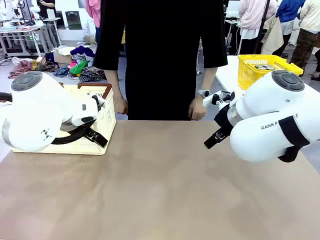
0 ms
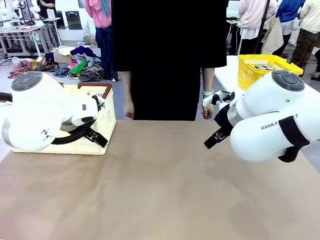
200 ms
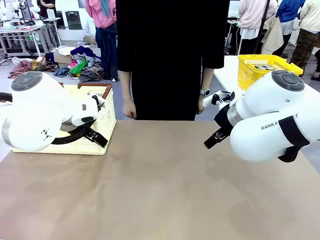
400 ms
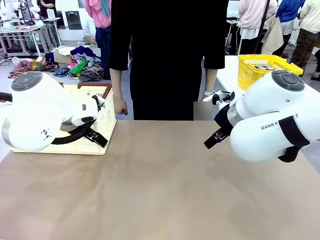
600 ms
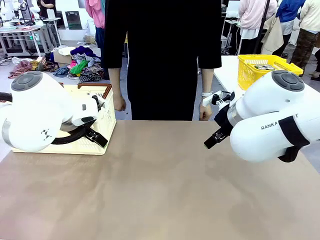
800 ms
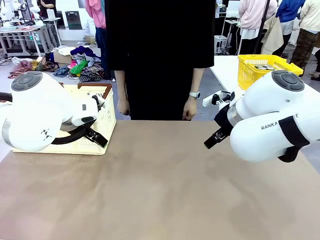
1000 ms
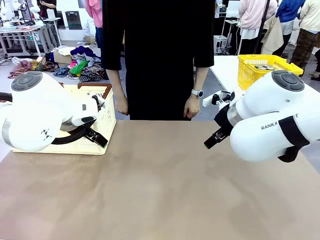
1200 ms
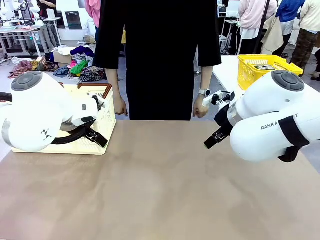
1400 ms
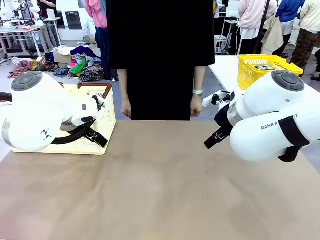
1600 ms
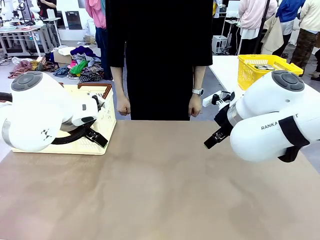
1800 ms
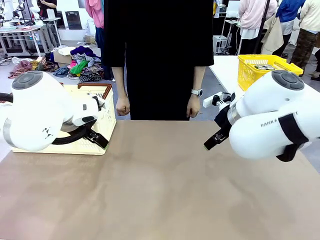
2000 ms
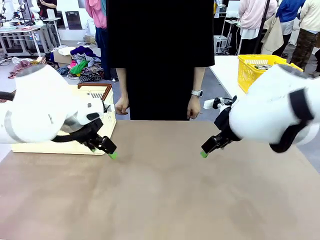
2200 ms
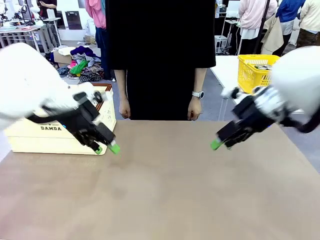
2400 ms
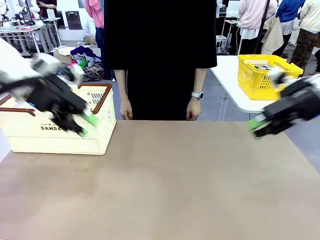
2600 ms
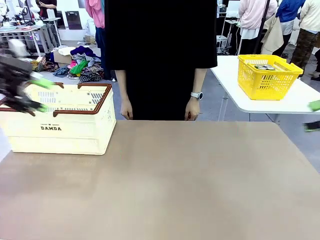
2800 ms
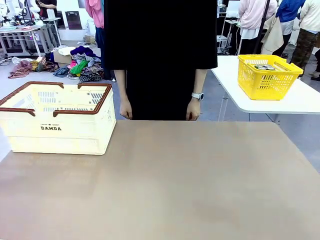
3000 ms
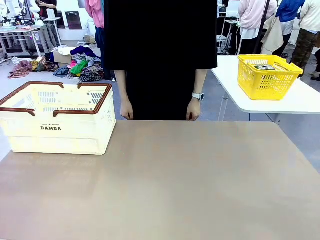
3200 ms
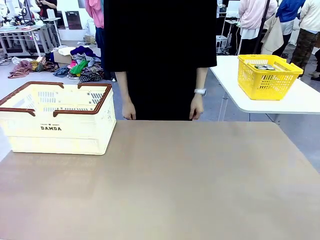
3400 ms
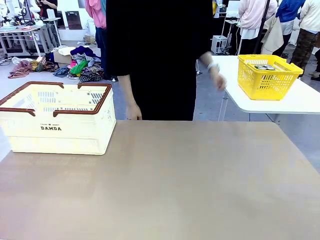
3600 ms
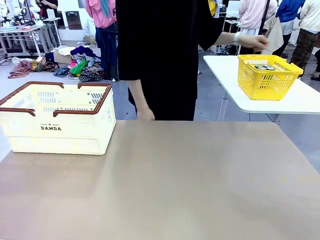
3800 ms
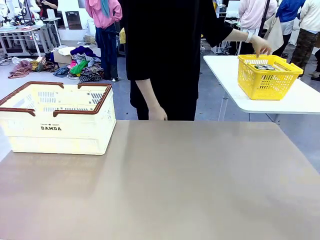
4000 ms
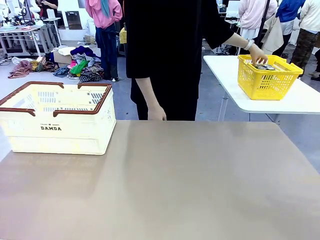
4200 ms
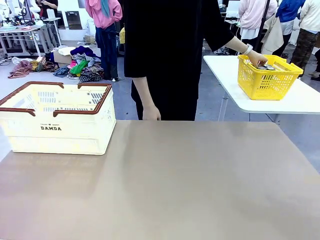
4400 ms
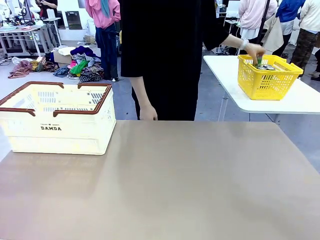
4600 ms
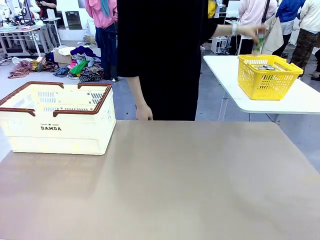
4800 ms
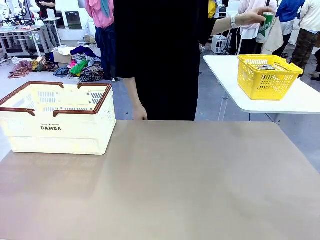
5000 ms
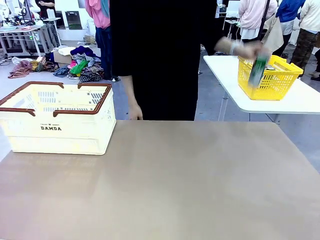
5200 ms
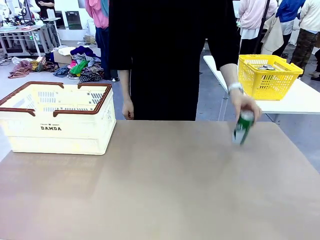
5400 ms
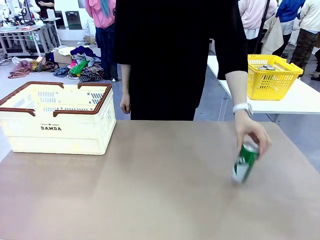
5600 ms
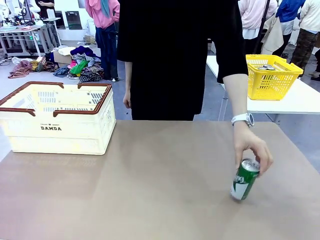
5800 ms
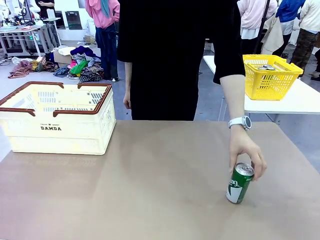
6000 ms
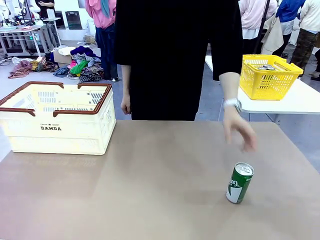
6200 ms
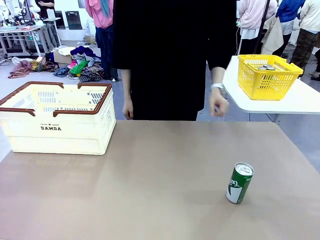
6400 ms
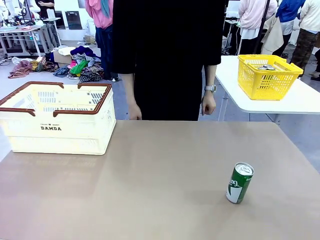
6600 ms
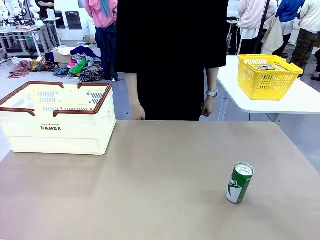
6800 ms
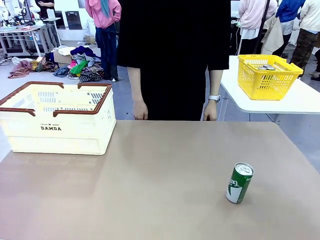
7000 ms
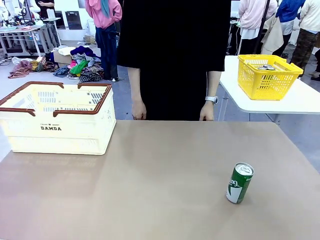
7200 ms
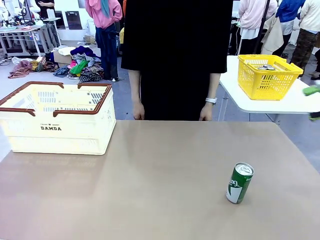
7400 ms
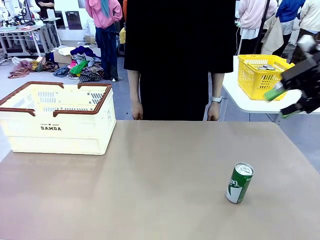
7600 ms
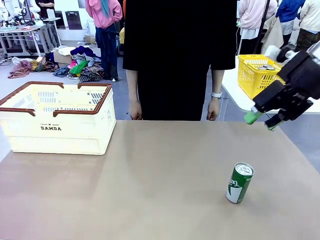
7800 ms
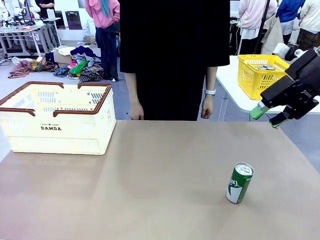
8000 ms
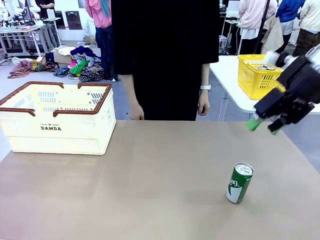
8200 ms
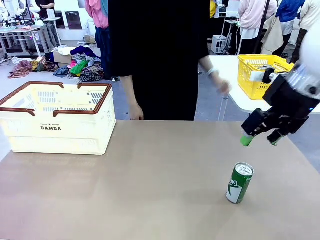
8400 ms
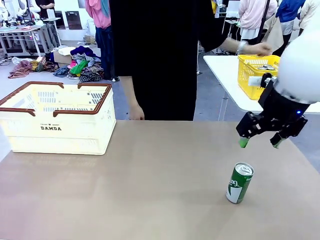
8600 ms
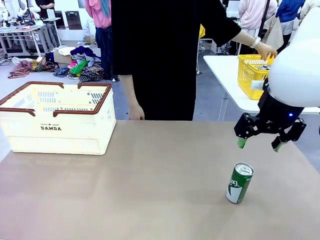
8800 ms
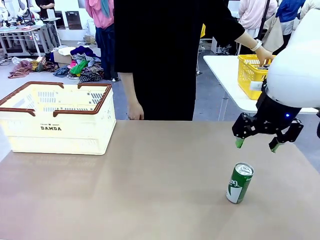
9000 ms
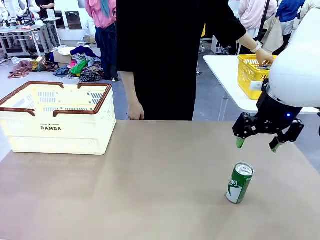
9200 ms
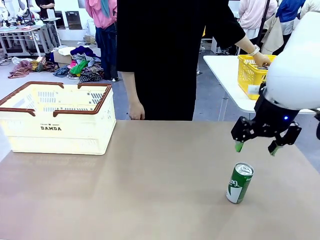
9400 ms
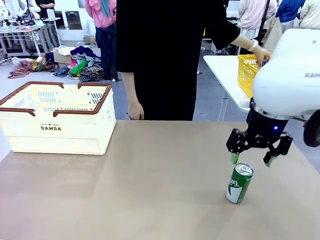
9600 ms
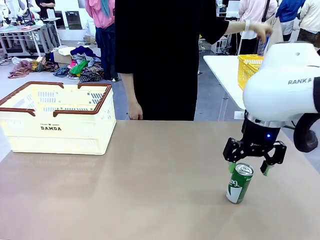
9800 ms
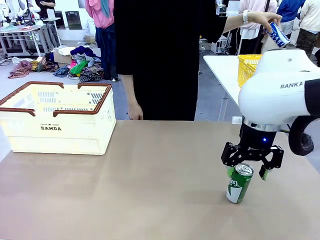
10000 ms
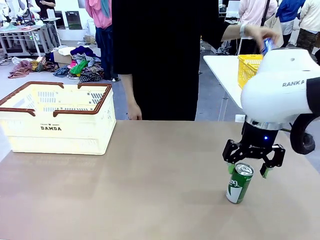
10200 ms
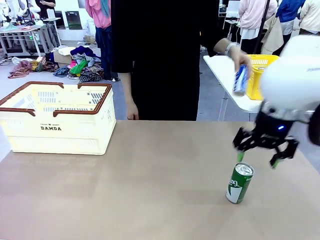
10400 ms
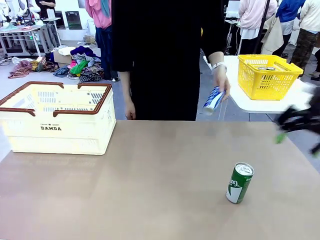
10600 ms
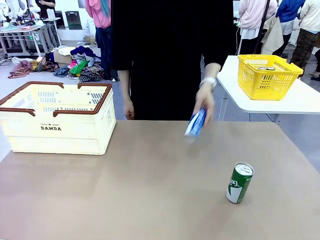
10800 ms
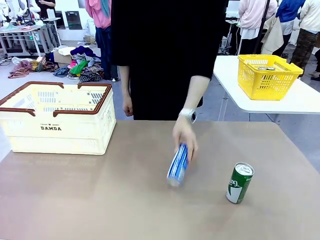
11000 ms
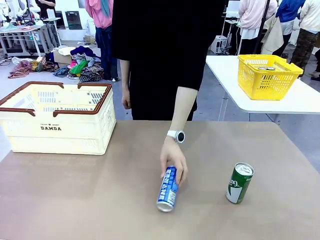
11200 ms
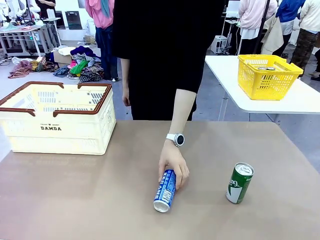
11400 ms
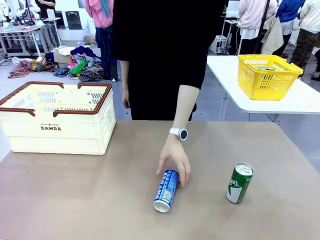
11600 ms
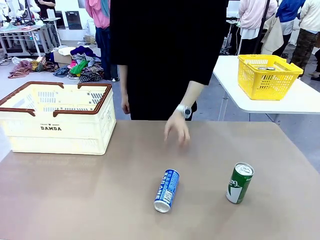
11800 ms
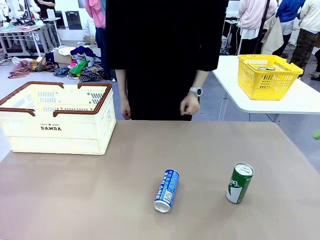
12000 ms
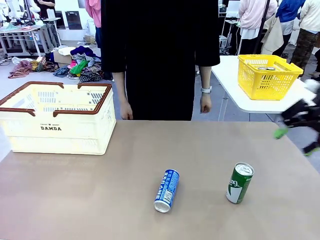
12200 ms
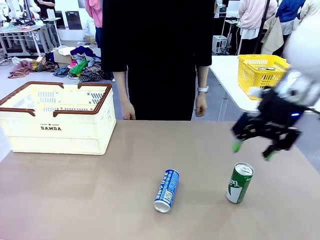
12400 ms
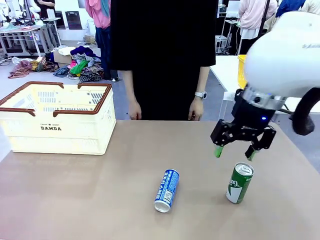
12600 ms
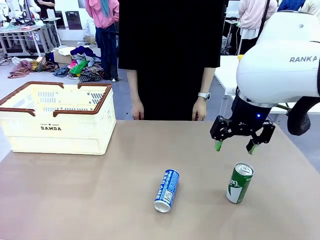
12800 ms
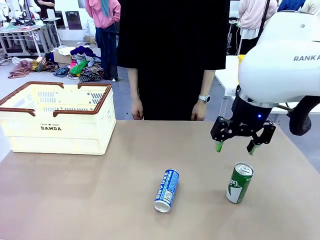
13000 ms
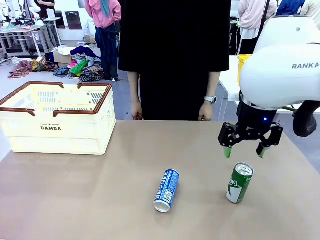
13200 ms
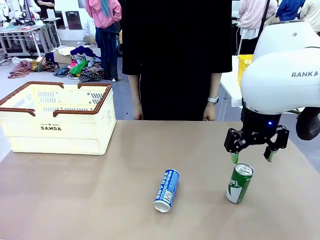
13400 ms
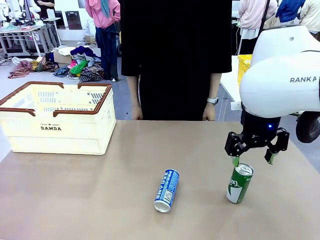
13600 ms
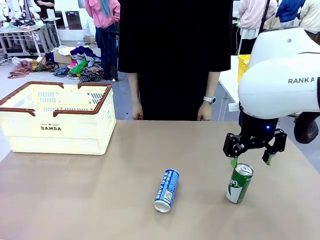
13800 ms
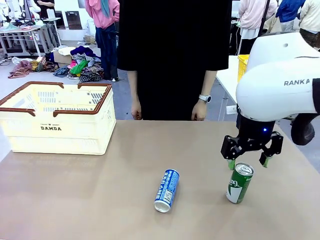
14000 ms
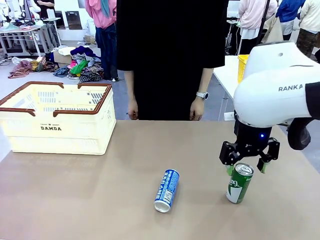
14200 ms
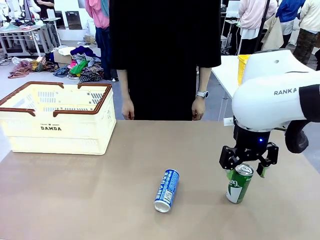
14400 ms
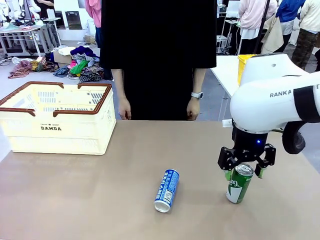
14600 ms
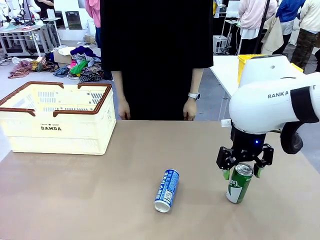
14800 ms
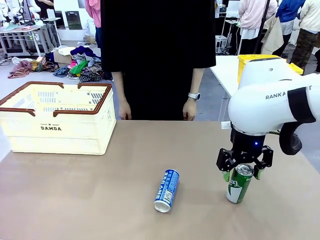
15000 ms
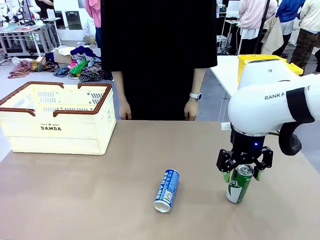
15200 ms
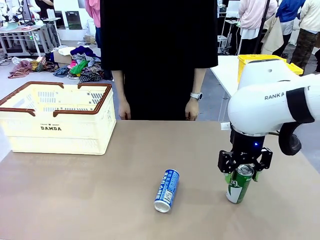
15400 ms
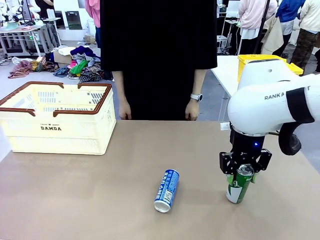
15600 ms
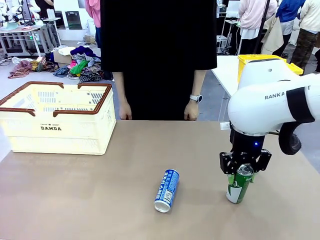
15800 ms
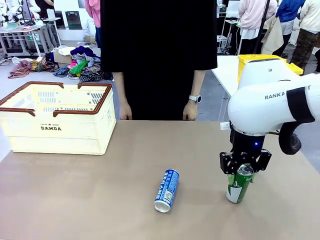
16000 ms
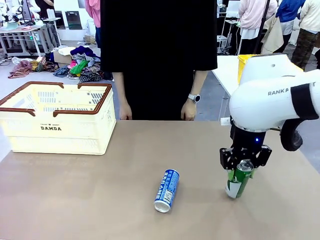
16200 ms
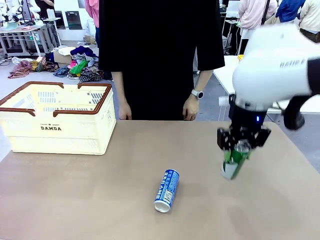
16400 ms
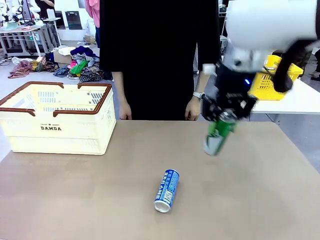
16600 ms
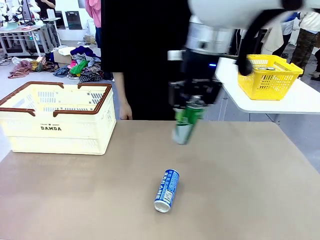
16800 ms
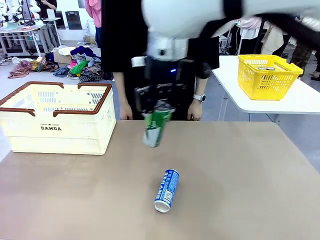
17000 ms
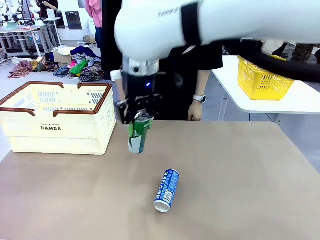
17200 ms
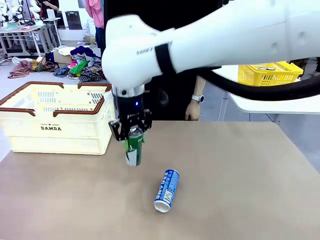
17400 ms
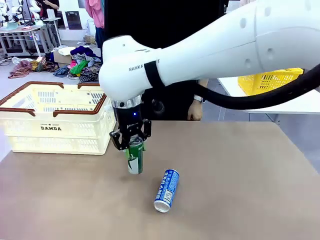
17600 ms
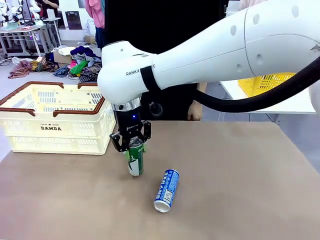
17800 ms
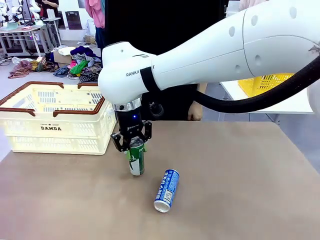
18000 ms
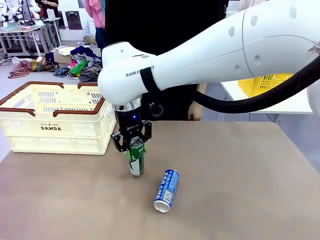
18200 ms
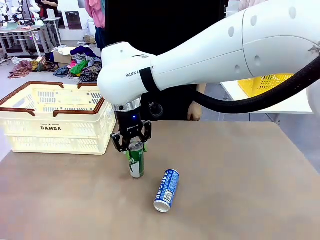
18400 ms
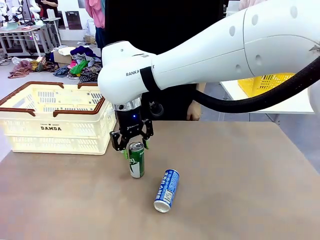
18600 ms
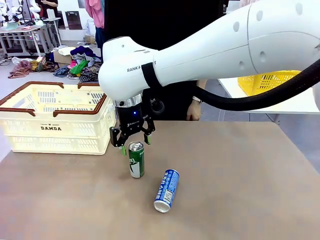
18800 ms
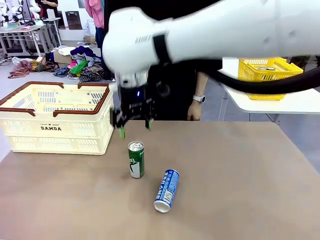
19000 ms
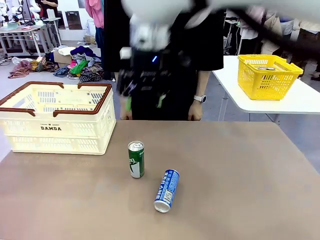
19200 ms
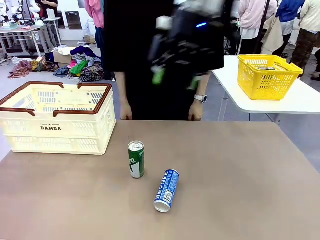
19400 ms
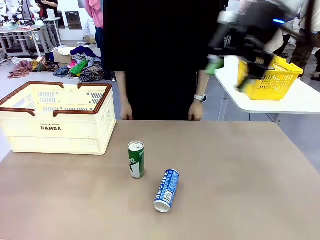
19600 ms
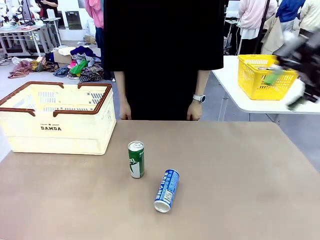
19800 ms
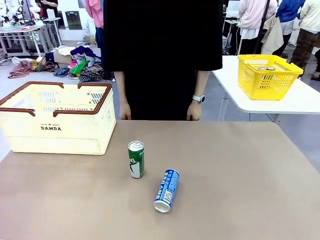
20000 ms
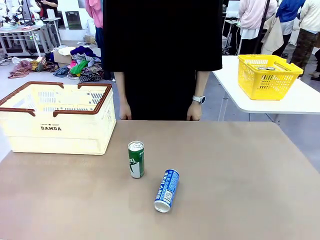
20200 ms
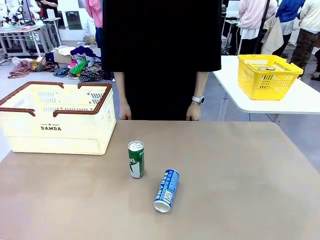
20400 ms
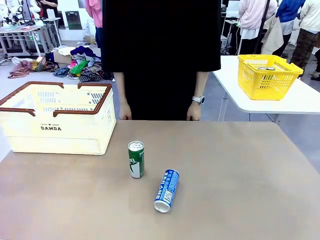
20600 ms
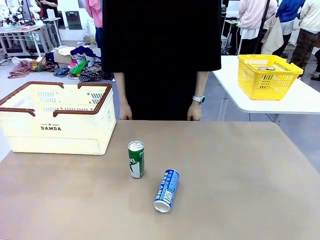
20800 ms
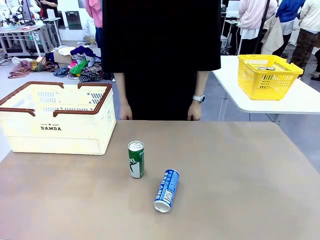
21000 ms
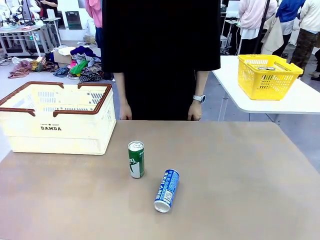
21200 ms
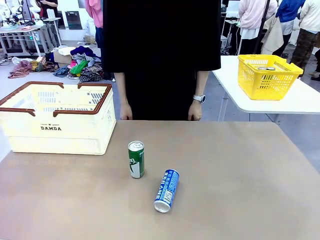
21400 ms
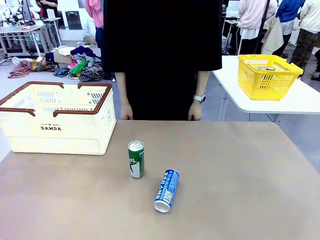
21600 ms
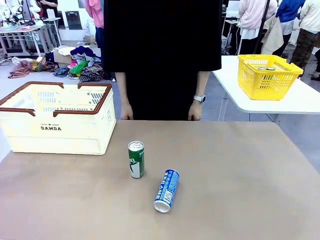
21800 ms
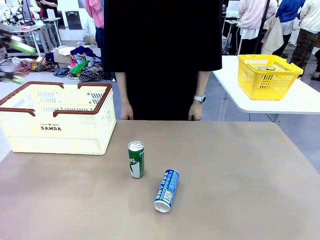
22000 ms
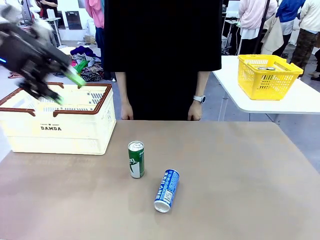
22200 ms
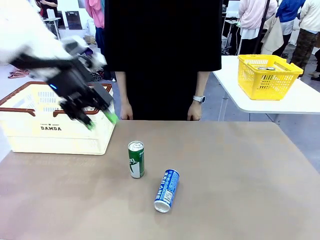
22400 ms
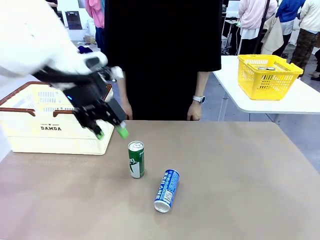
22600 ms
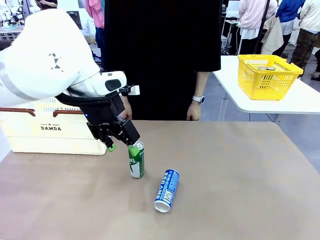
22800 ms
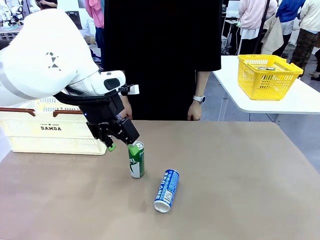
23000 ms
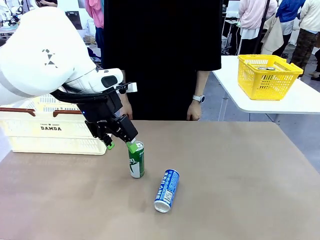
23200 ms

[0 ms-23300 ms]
Task: Place the drinks into the Shopping basket.
Robot: Pick up one drink and place it into the Shopping basket.
